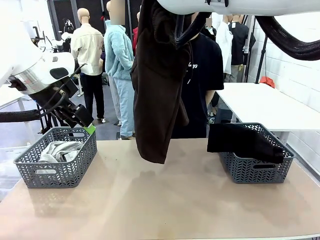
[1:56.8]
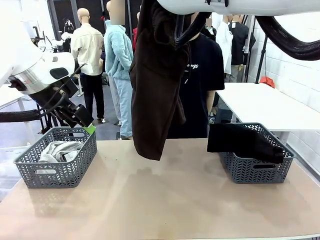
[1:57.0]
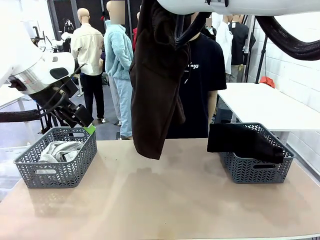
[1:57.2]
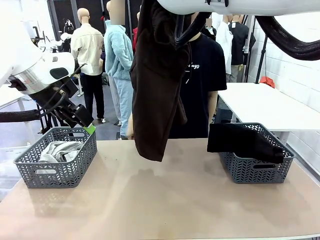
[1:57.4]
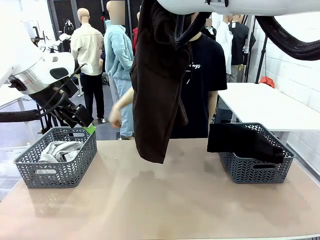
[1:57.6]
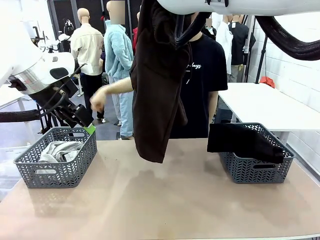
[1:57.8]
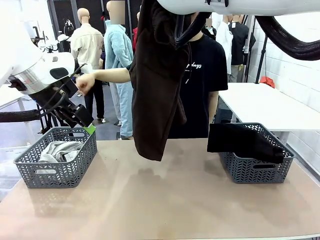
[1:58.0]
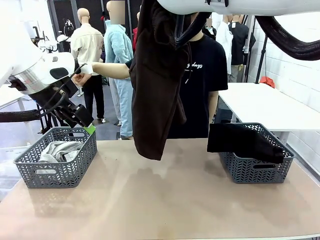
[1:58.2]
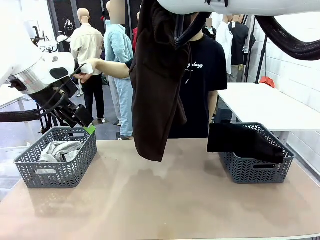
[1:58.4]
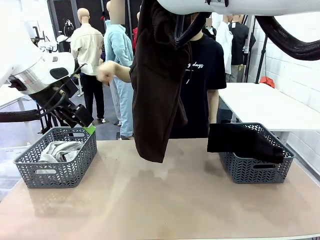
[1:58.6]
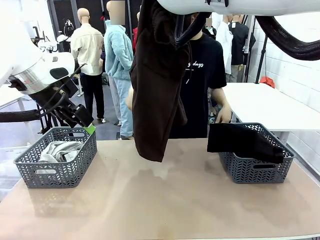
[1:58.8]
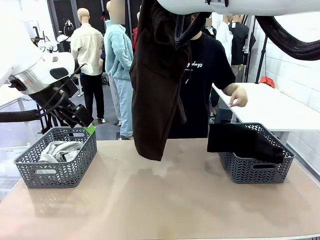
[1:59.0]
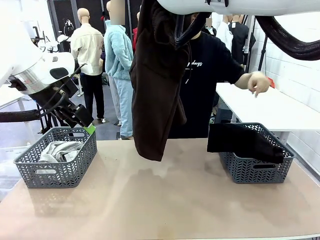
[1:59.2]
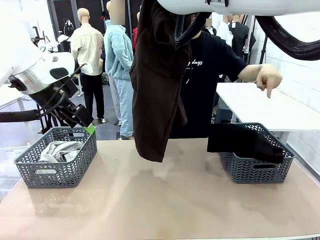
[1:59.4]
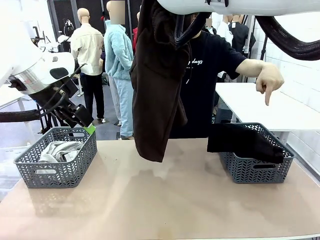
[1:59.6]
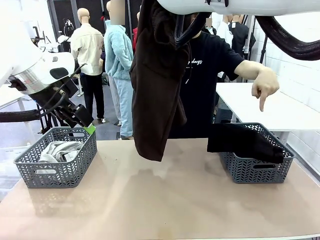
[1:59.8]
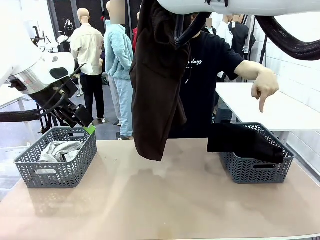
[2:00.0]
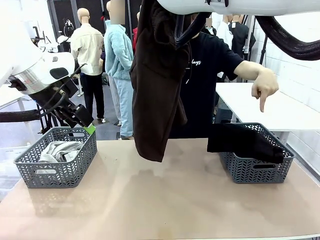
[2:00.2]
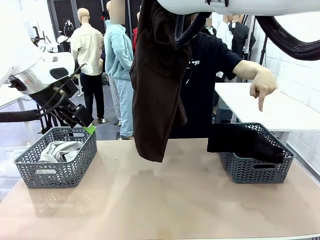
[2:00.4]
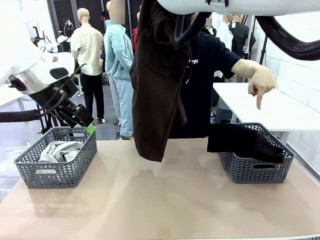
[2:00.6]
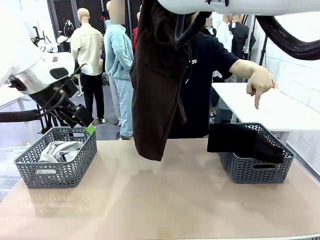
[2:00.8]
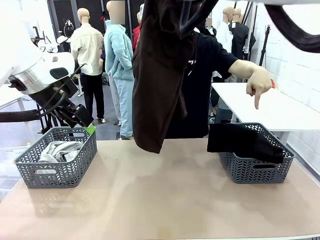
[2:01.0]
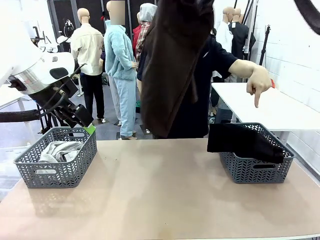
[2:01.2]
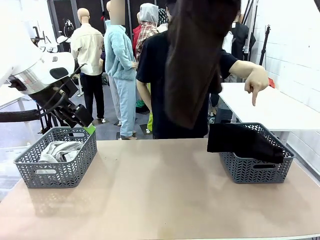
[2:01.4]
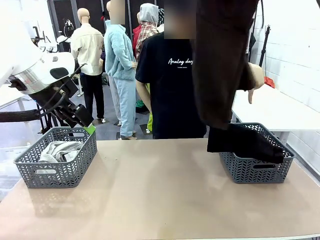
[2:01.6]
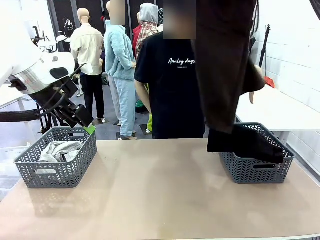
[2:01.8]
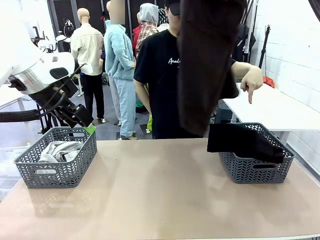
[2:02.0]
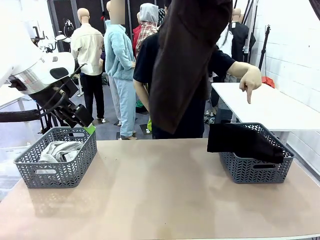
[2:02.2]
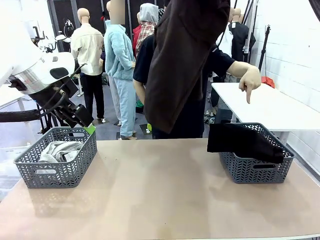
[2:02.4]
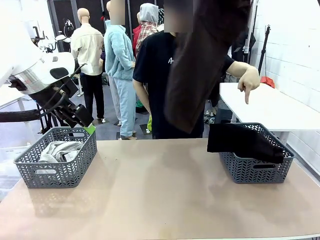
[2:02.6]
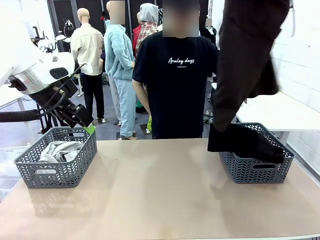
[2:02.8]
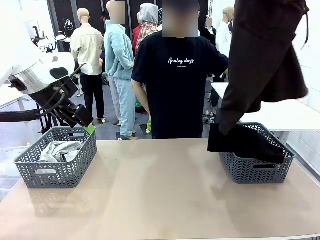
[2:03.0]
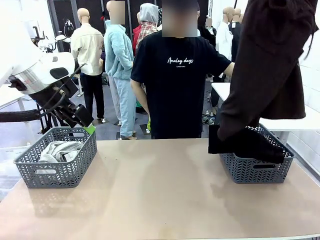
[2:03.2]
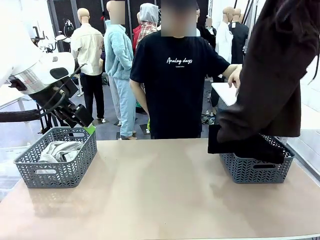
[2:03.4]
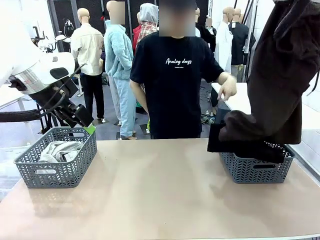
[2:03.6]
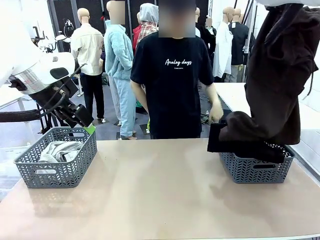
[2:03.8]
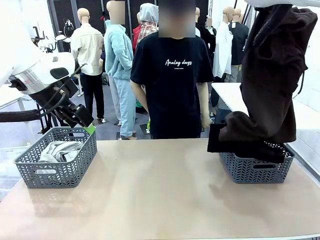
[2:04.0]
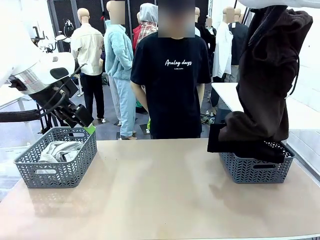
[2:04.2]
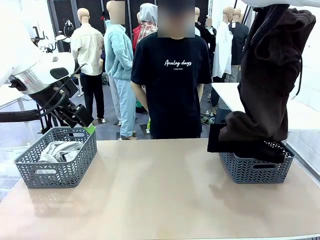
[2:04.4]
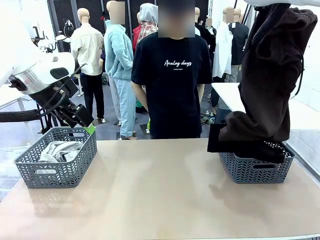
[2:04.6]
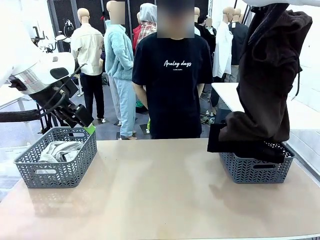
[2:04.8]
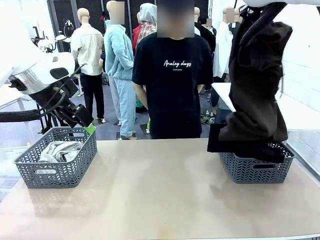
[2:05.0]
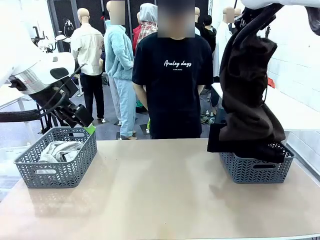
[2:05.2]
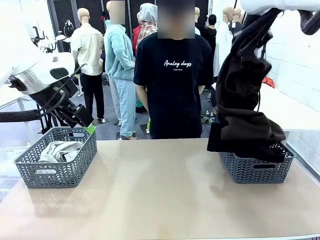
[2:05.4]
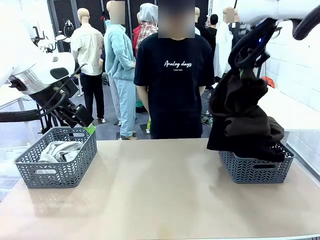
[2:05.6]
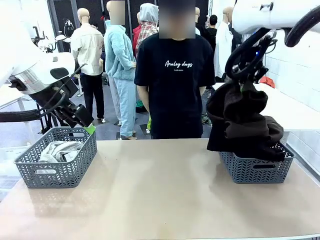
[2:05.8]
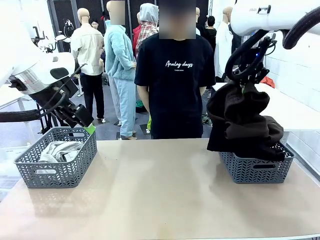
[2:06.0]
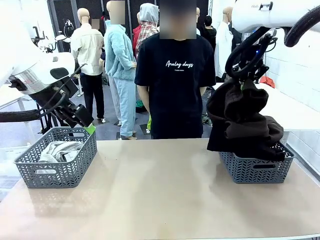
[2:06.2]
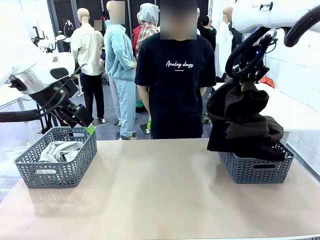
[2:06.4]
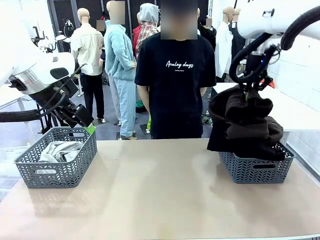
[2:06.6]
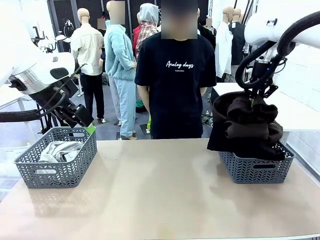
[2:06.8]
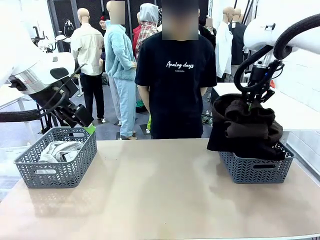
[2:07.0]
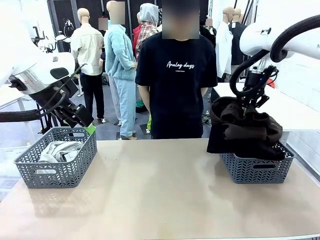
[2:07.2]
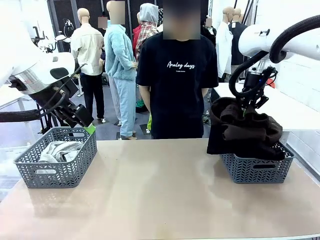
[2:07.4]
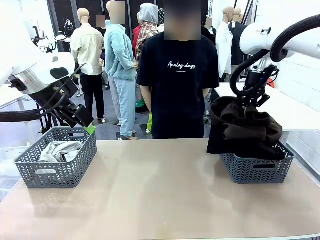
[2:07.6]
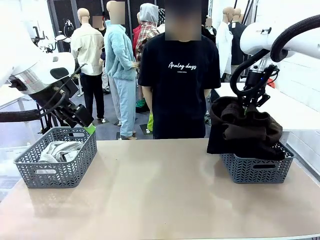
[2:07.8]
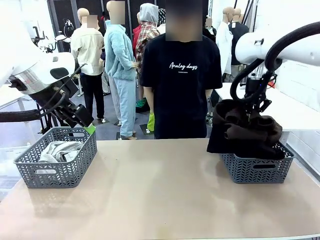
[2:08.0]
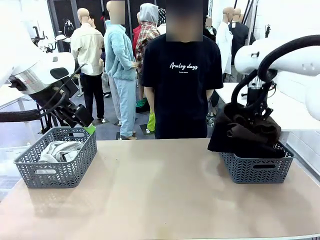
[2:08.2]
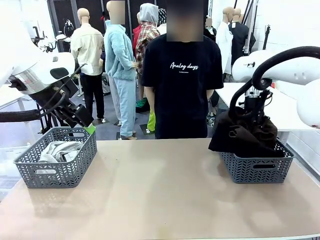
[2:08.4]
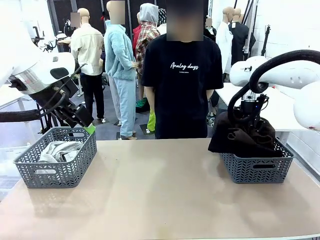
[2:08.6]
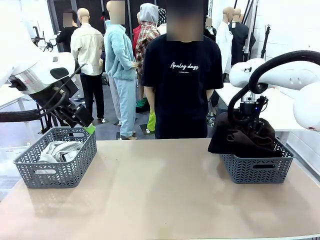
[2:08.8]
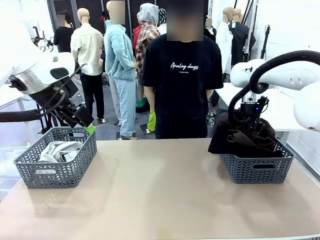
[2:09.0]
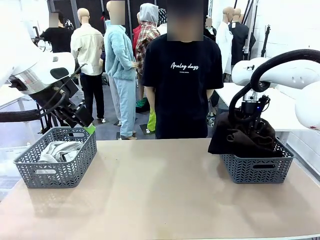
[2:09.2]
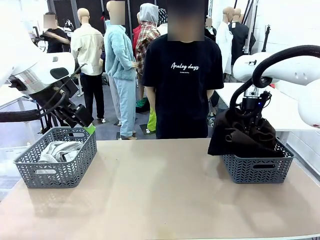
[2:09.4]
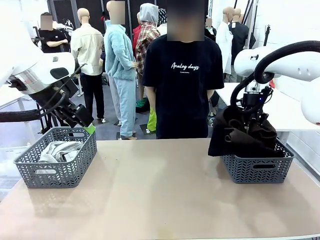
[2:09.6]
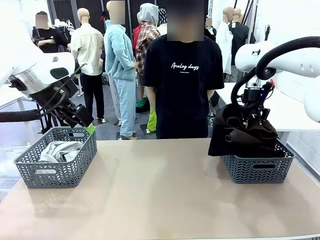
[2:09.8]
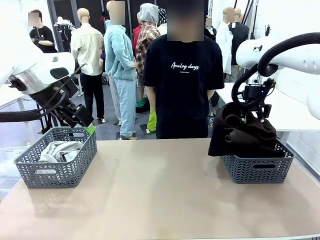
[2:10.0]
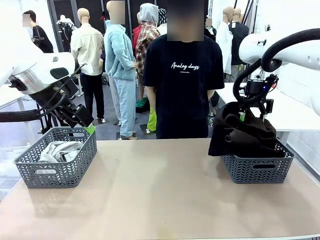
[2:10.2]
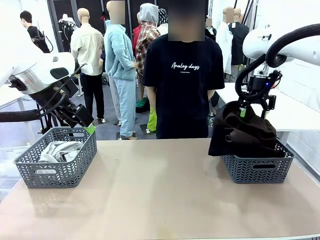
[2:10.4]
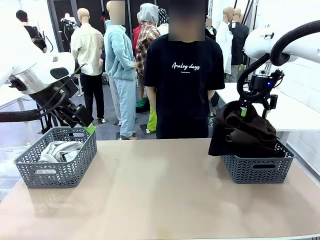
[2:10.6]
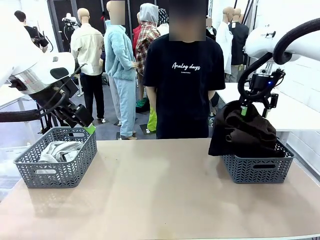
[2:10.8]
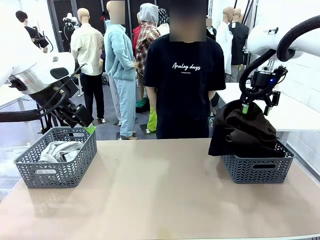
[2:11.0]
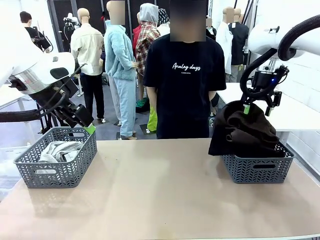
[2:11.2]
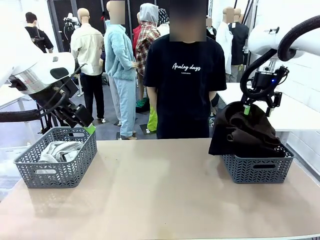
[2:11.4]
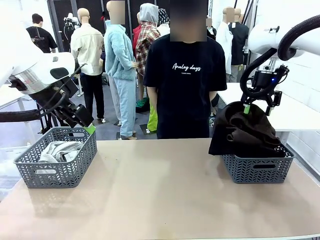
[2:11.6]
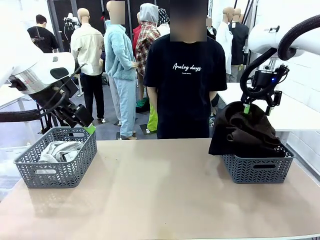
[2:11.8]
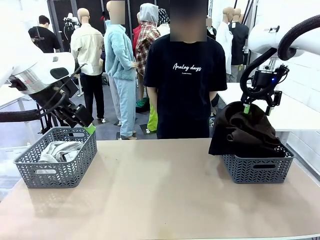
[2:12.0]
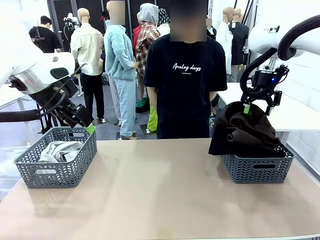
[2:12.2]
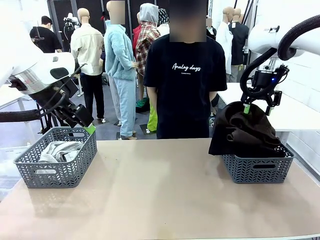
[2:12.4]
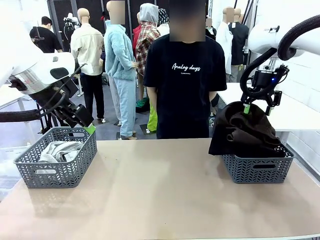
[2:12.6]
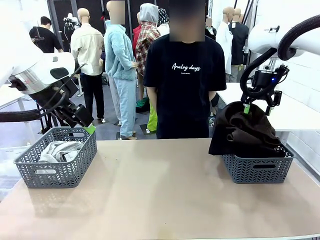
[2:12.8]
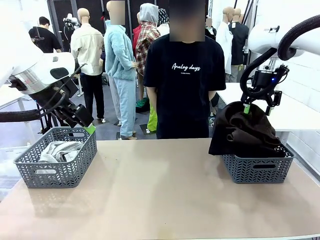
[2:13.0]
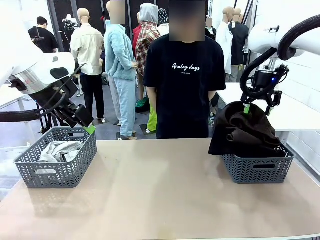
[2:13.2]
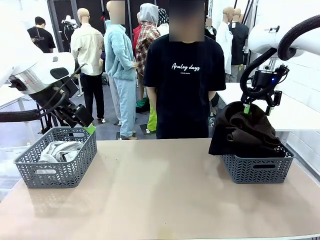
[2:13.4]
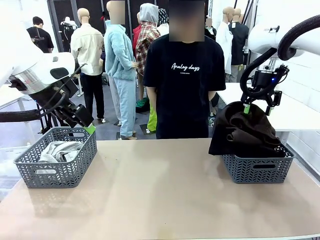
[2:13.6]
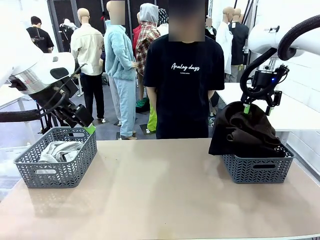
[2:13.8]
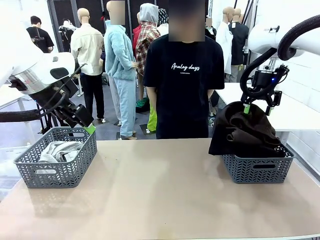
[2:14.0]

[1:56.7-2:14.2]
Task: Sort the tops and bottoms.
Robot: Sort the clothes according to human instructions.
